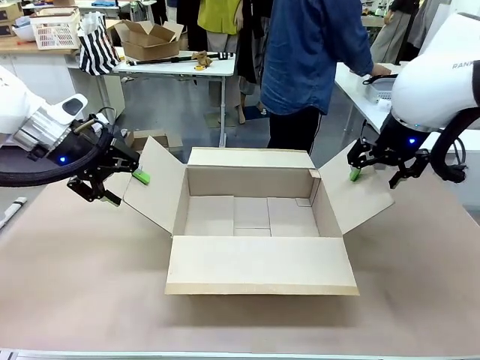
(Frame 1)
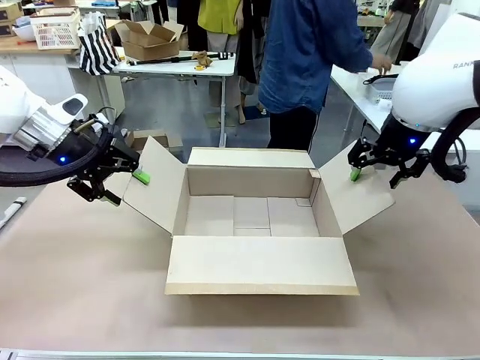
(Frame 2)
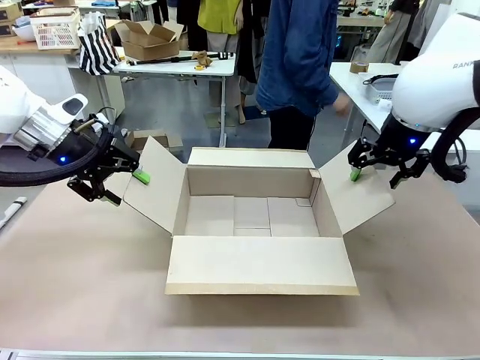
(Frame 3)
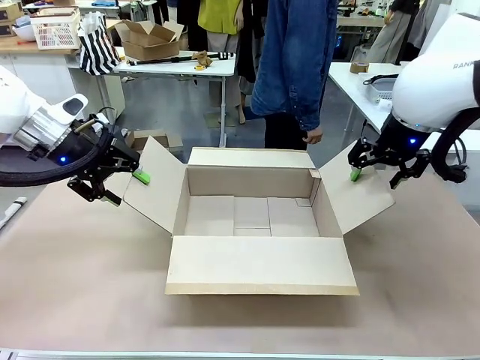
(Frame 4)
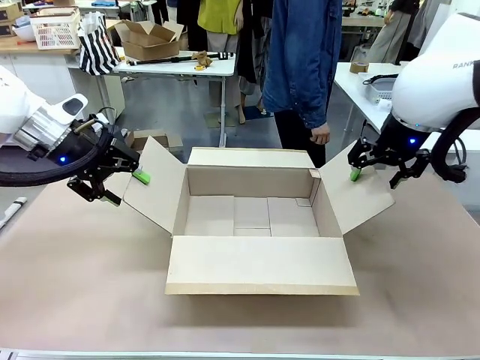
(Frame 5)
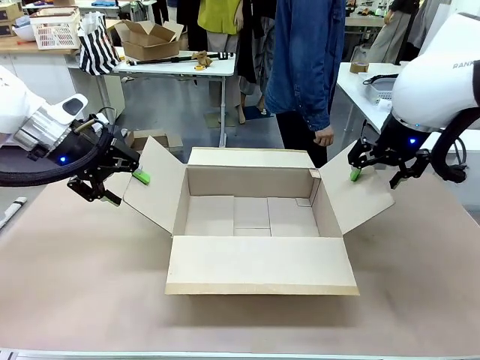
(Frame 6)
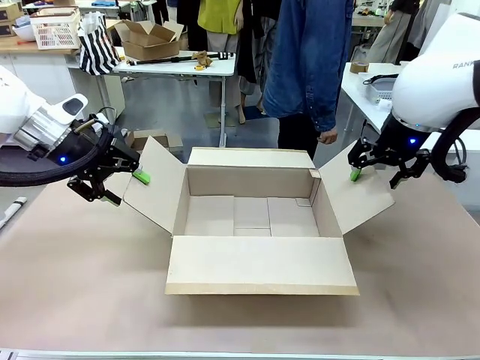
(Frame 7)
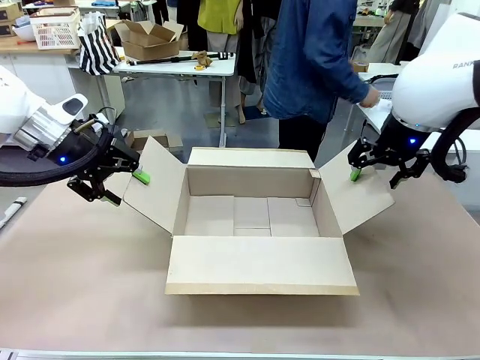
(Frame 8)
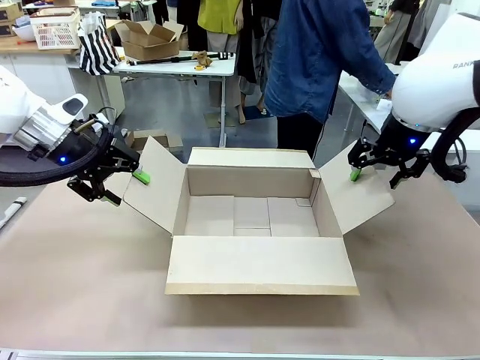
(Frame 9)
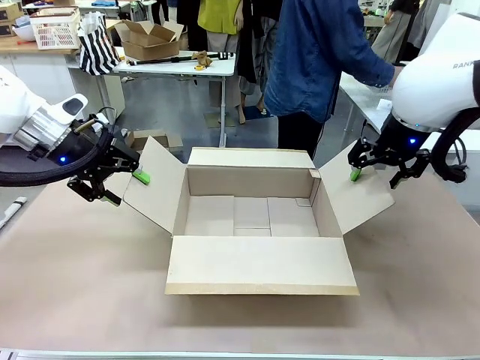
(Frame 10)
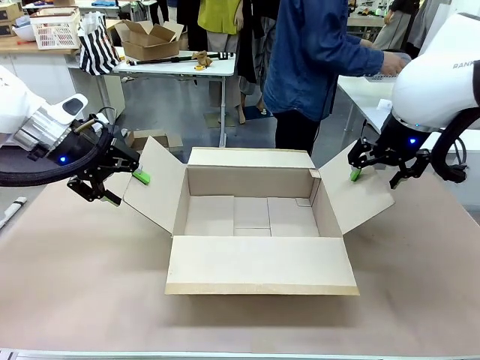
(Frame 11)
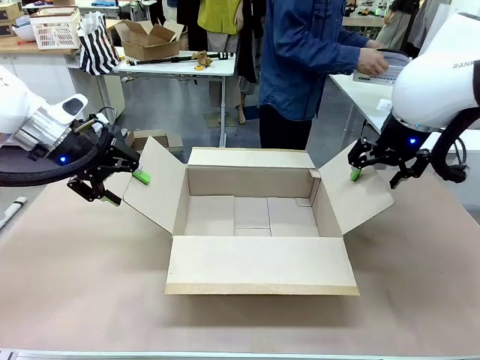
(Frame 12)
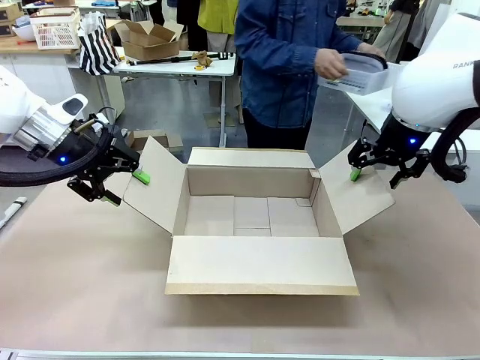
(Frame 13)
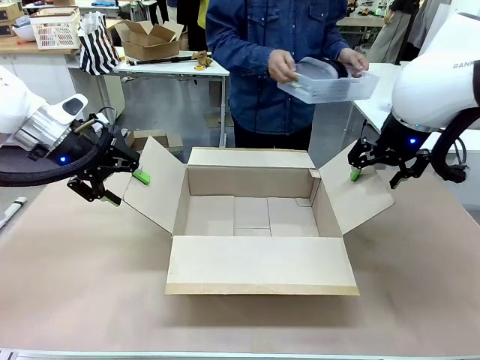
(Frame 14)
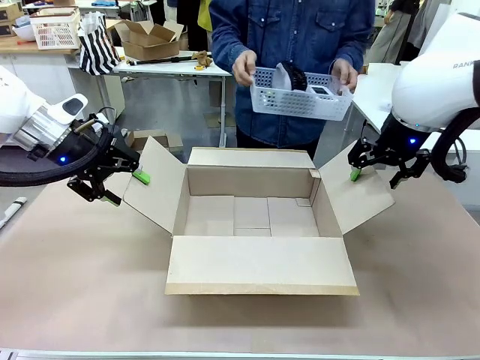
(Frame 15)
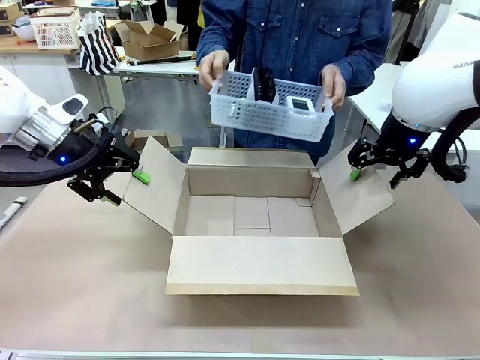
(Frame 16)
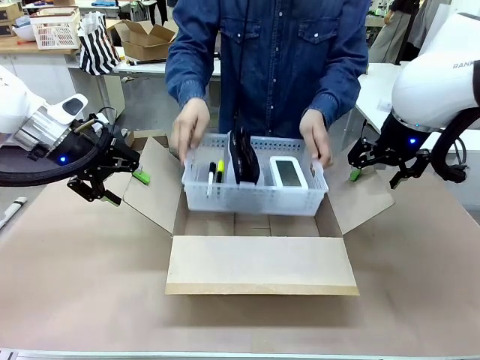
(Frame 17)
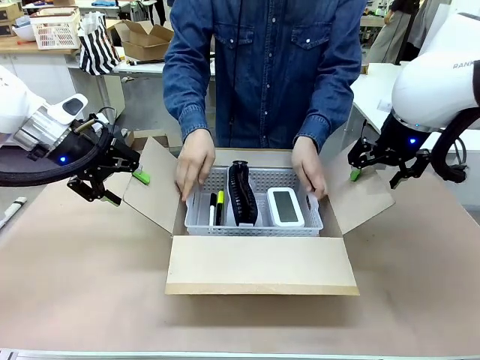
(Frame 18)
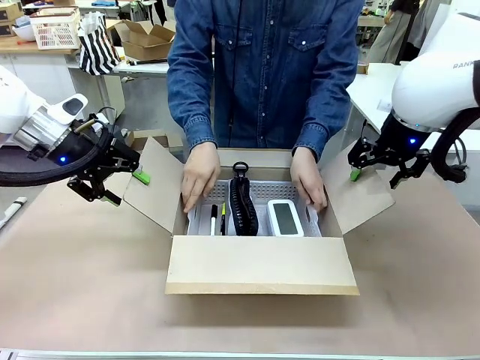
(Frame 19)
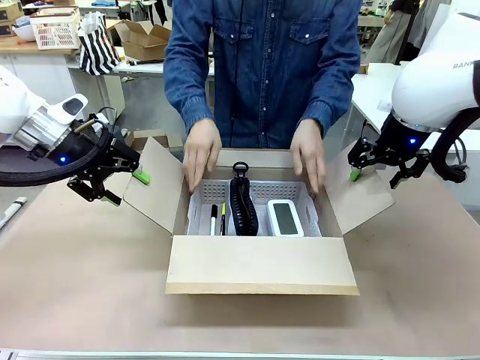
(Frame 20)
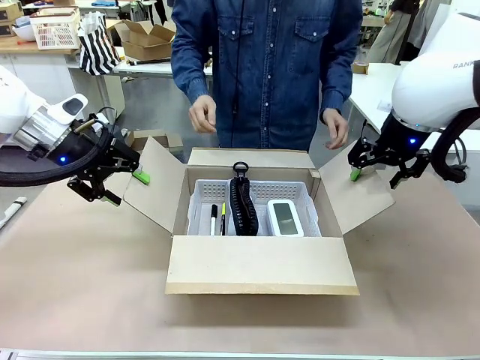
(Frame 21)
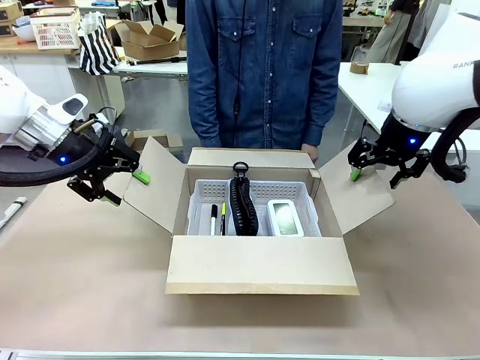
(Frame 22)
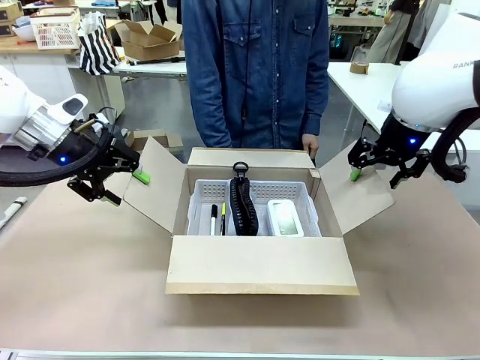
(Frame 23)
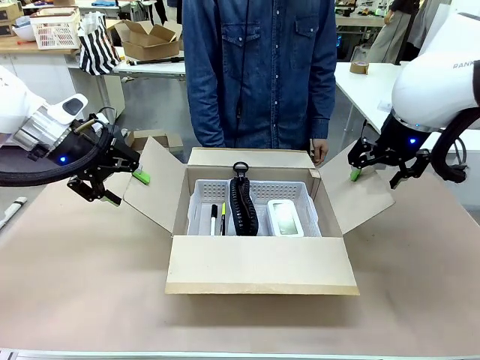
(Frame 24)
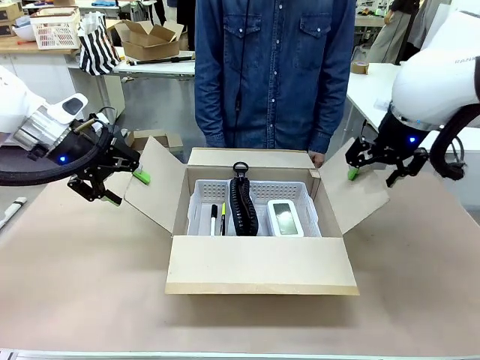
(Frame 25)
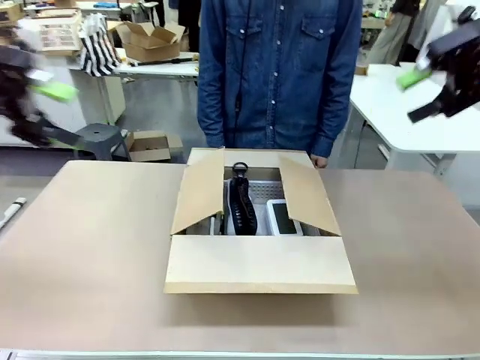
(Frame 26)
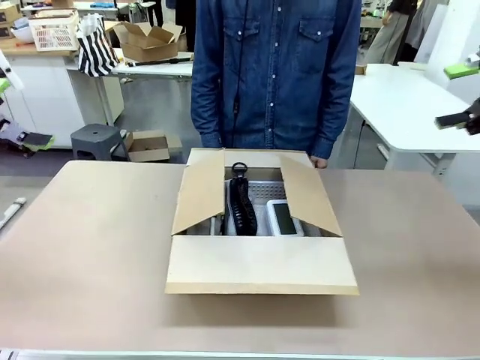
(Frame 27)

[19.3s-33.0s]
Task: Pack the gift set into the box.
Robot: Lift both hands away from the flaps of the Package Box.
Person: The human picks up the organizing basket and places the organizing basket into the package box on the robot table.

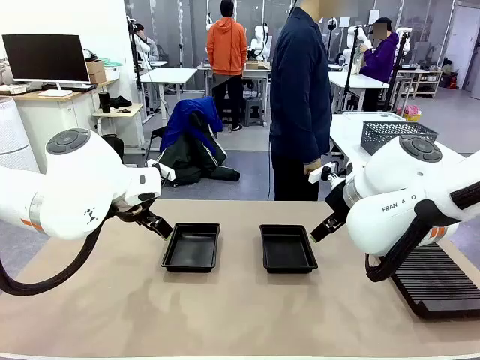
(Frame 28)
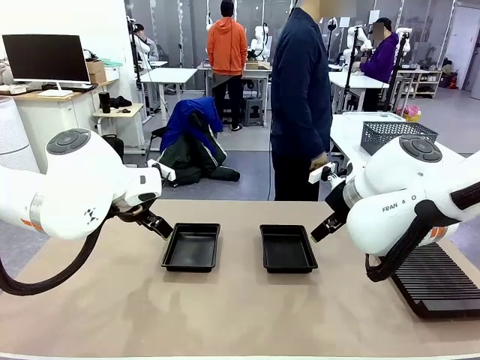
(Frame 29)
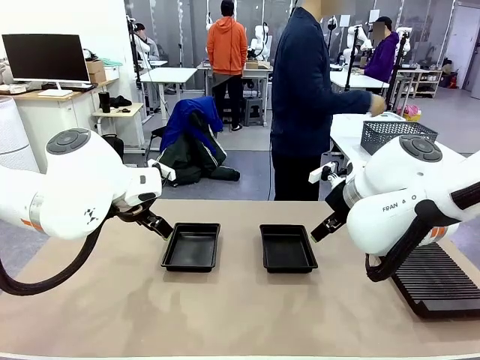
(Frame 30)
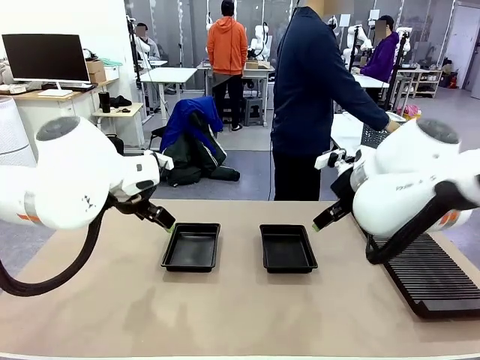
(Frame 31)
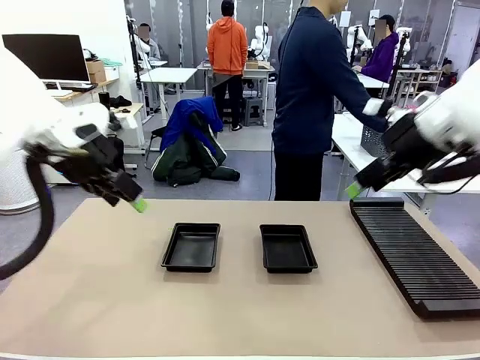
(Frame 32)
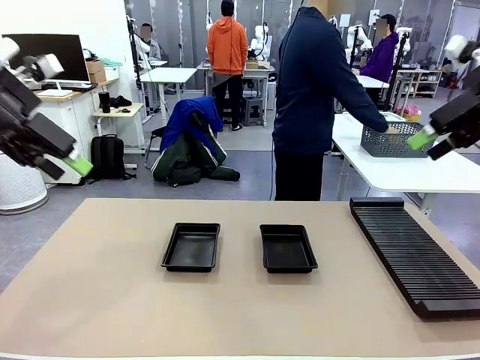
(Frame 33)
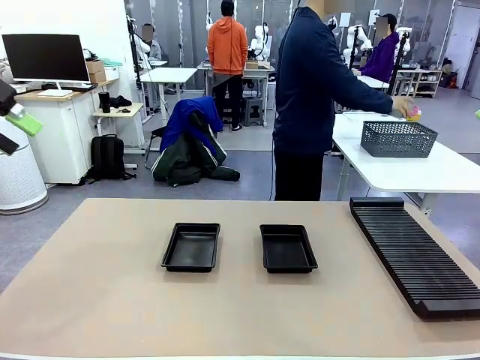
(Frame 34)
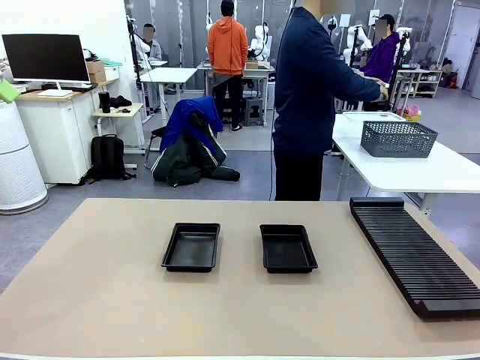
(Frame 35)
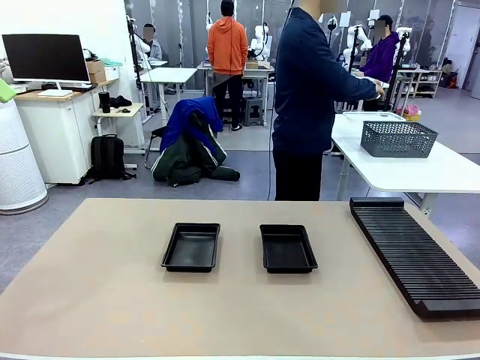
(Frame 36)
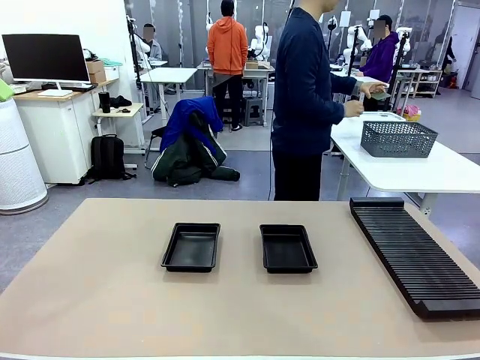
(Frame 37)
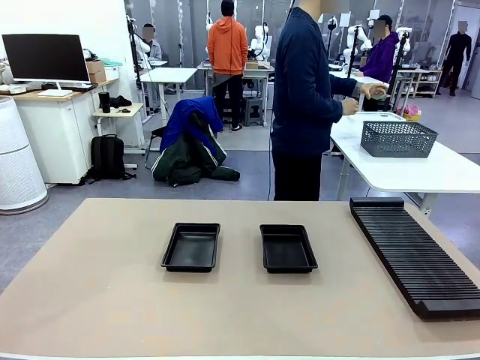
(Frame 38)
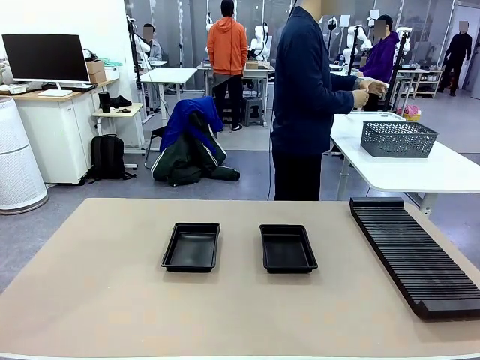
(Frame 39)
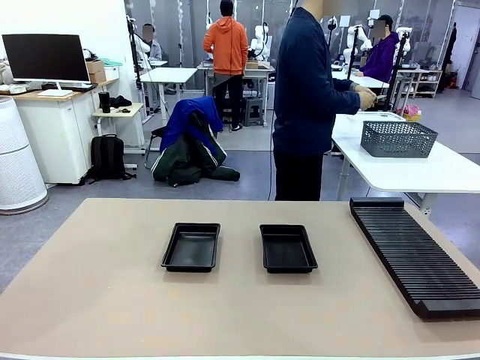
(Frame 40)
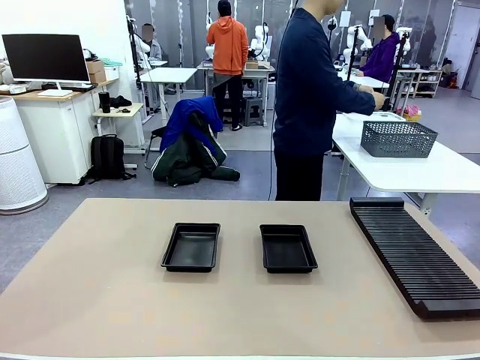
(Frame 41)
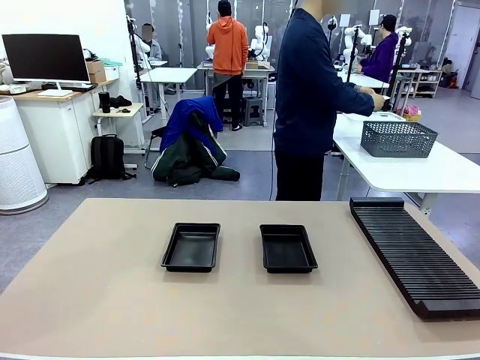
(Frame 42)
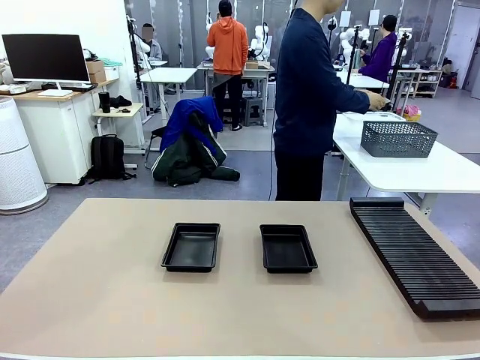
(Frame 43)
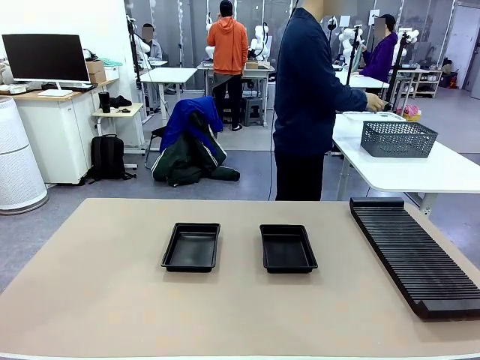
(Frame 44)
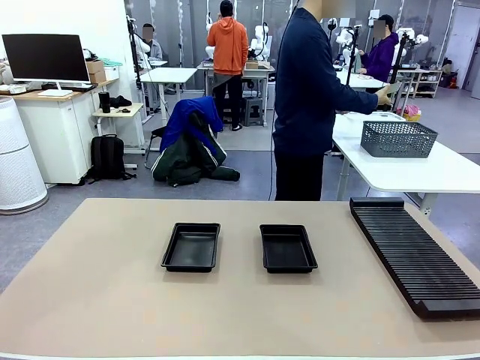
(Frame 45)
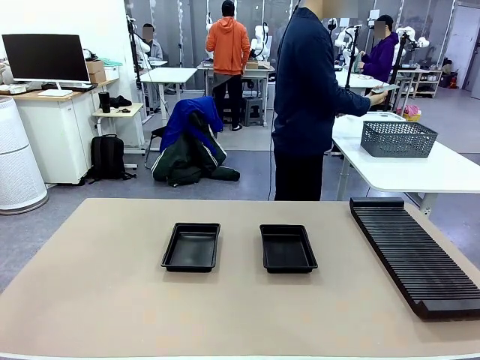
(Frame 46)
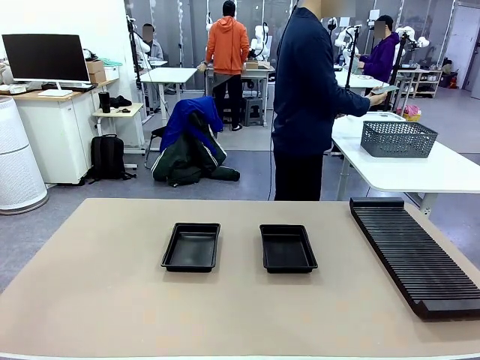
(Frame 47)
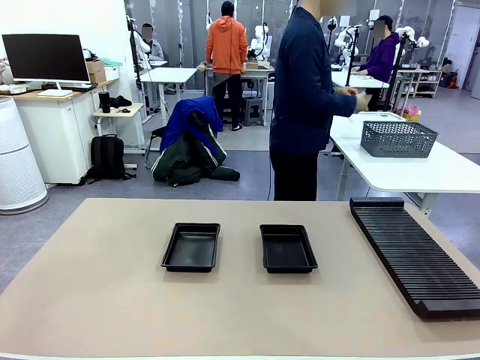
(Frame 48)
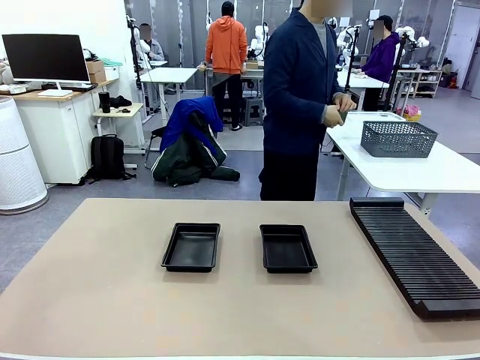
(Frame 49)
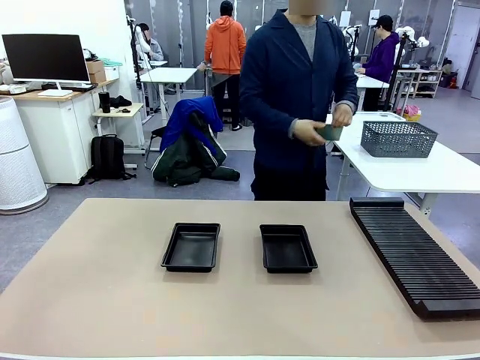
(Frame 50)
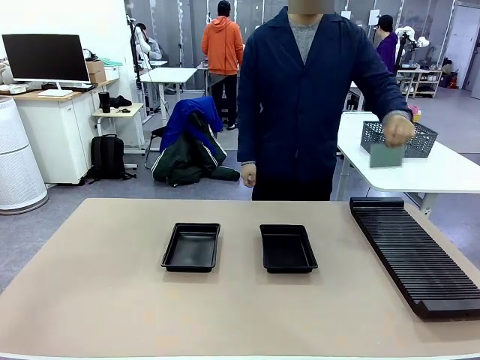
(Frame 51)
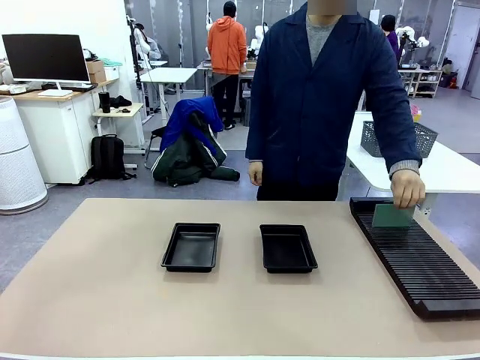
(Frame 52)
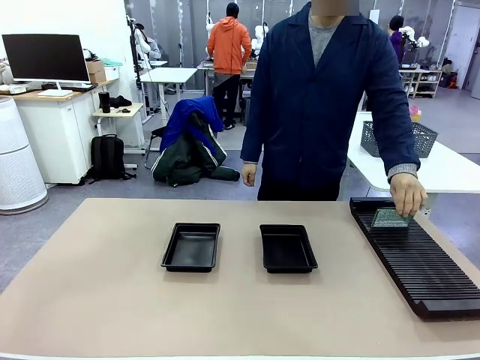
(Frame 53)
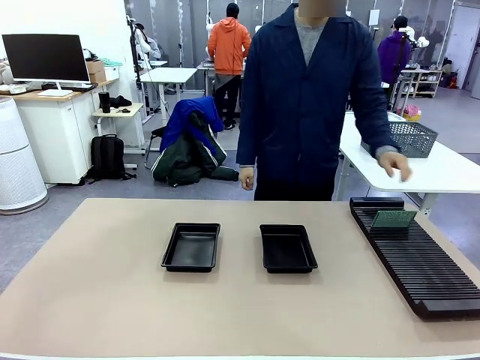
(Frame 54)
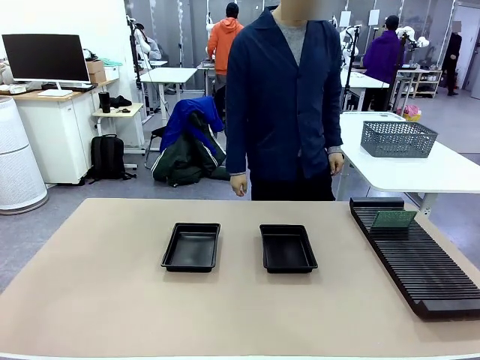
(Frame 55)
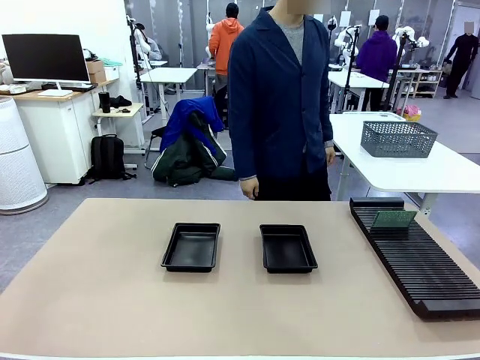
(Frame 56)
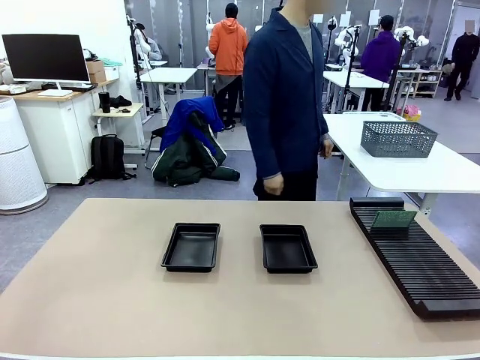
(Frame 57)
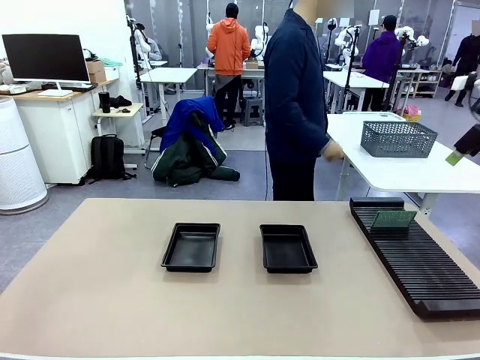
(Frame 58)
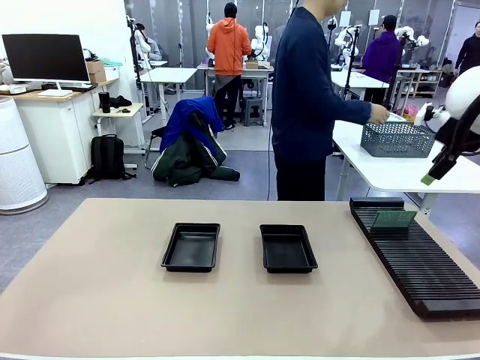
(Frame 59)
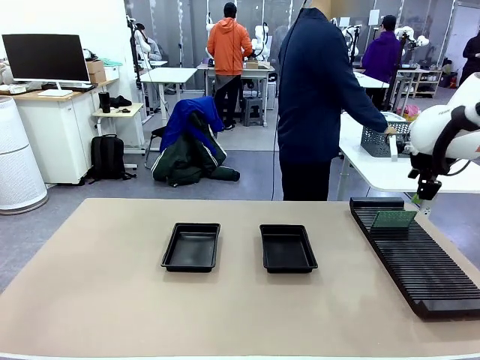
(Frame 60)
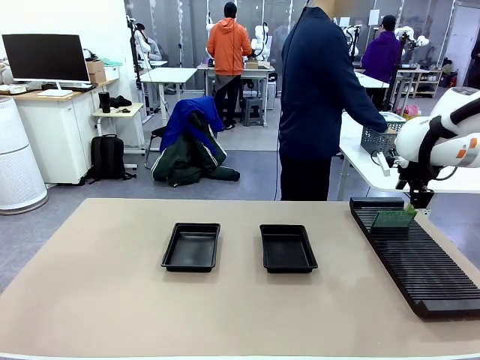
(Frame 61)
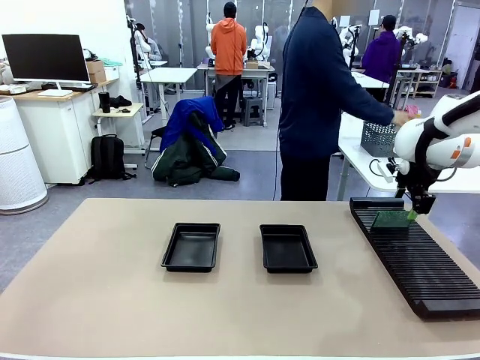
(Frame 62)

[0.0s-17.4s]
Task: Inspect and transfer BCBs to ESD trays.
Robot: Pick up the Blank PCB from the PCB Rack and place it in the left ESD tray.
